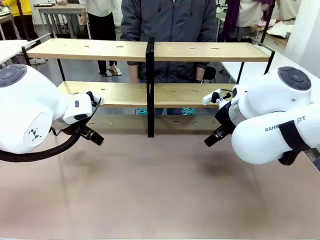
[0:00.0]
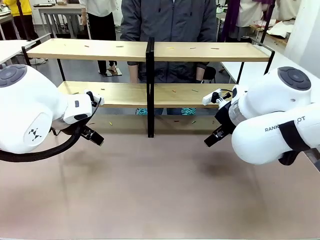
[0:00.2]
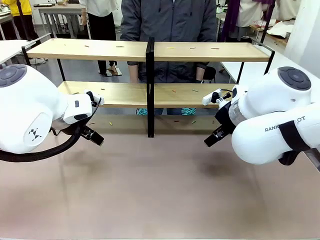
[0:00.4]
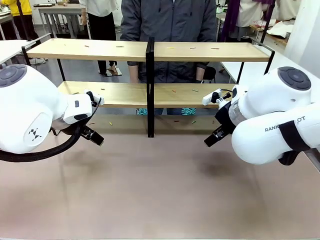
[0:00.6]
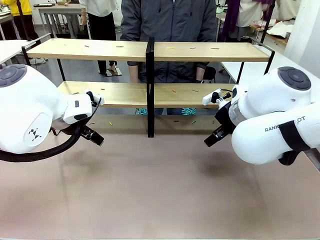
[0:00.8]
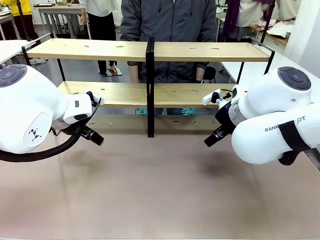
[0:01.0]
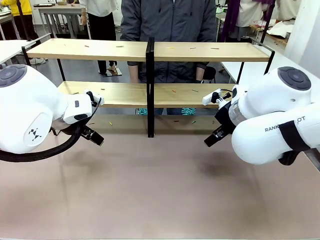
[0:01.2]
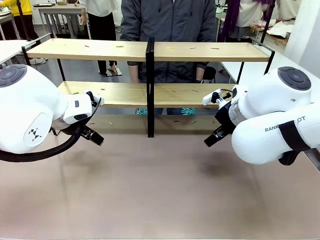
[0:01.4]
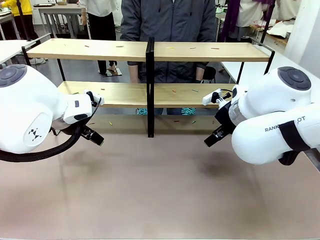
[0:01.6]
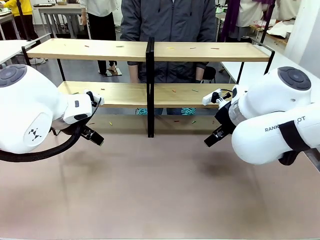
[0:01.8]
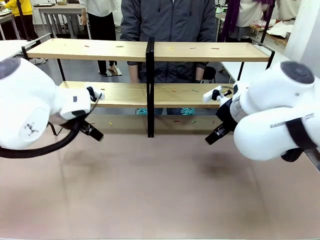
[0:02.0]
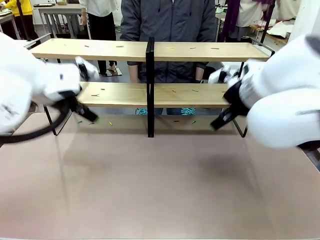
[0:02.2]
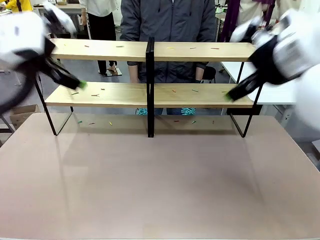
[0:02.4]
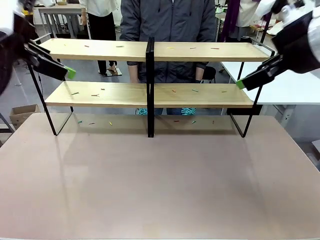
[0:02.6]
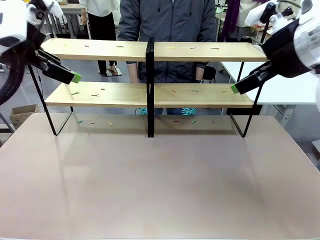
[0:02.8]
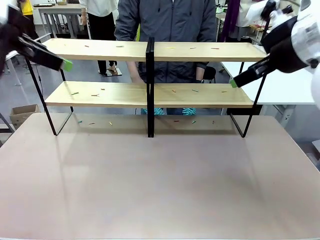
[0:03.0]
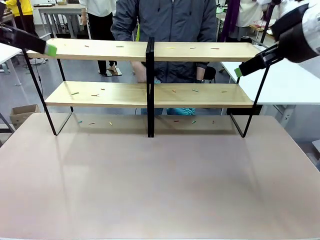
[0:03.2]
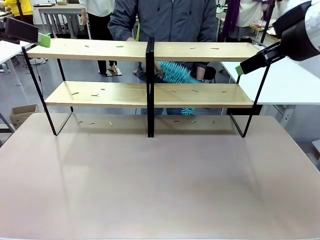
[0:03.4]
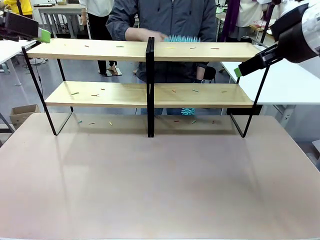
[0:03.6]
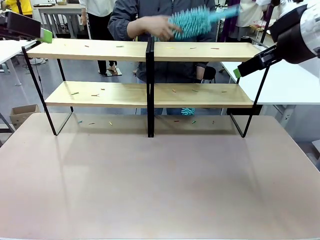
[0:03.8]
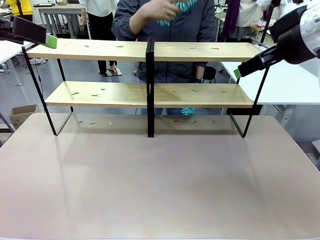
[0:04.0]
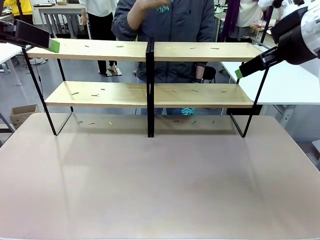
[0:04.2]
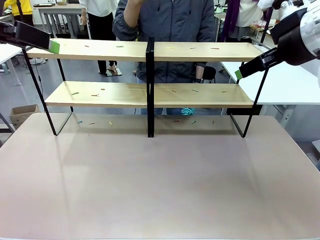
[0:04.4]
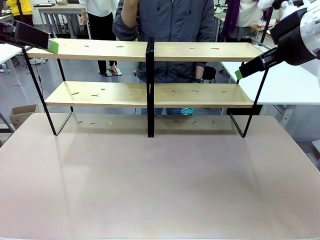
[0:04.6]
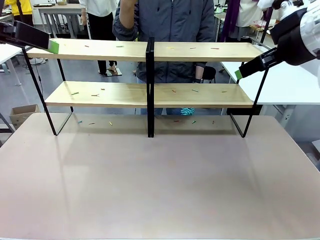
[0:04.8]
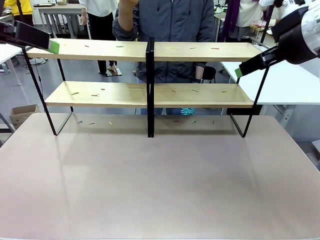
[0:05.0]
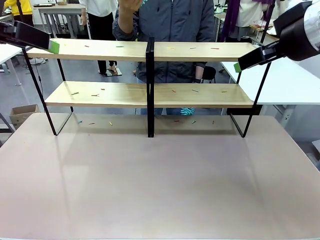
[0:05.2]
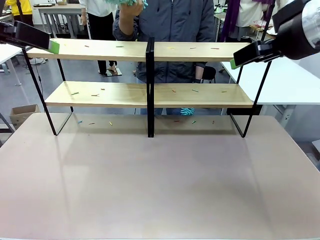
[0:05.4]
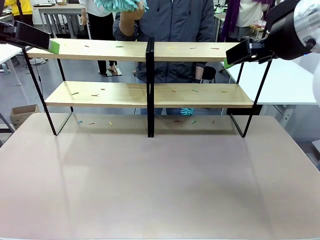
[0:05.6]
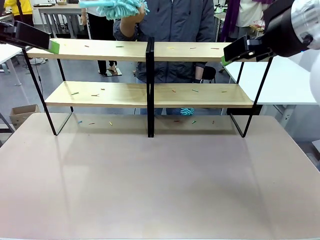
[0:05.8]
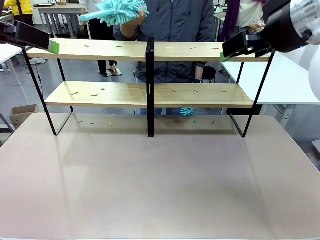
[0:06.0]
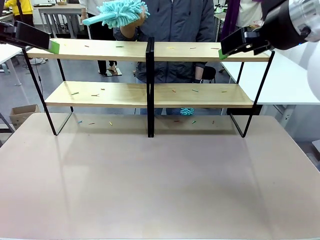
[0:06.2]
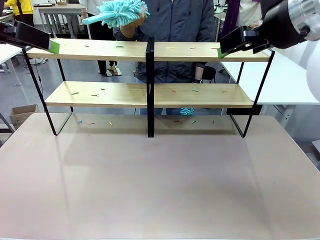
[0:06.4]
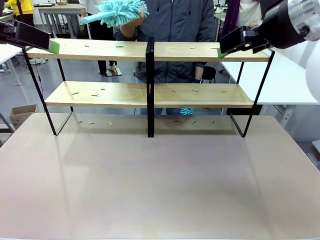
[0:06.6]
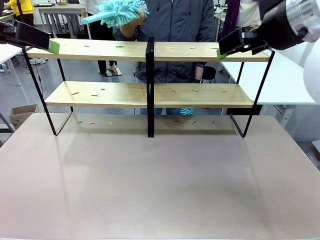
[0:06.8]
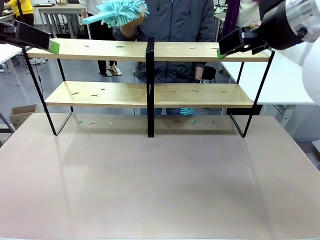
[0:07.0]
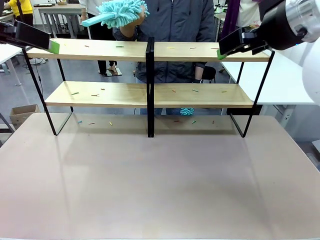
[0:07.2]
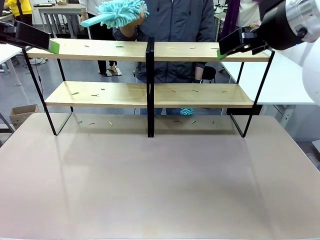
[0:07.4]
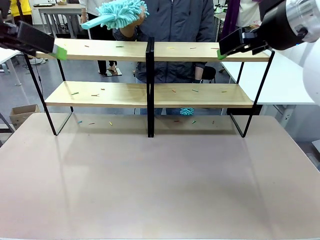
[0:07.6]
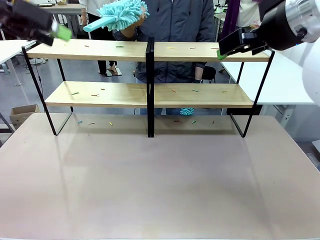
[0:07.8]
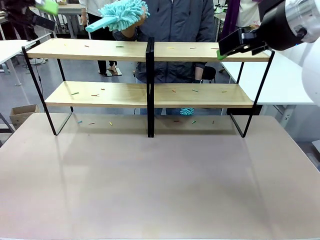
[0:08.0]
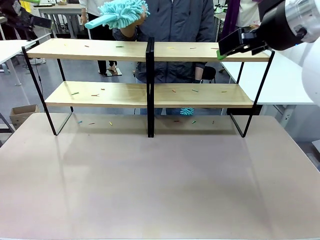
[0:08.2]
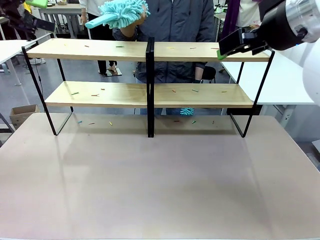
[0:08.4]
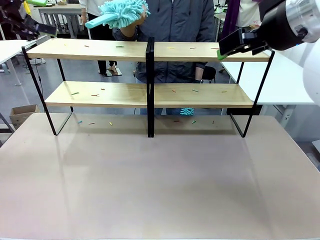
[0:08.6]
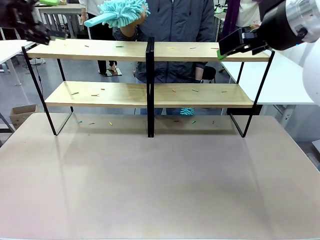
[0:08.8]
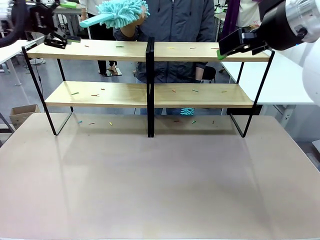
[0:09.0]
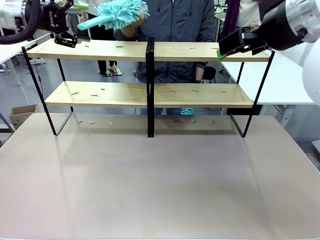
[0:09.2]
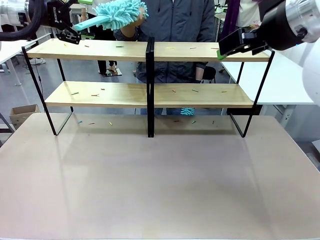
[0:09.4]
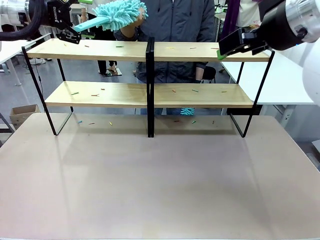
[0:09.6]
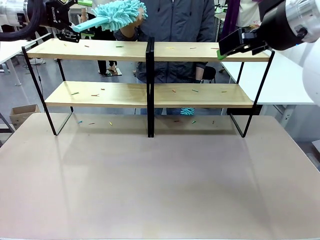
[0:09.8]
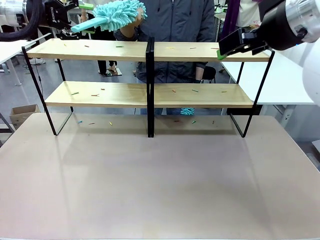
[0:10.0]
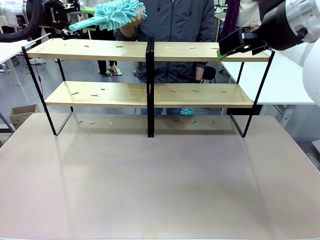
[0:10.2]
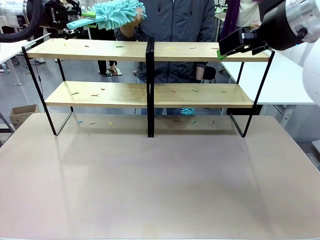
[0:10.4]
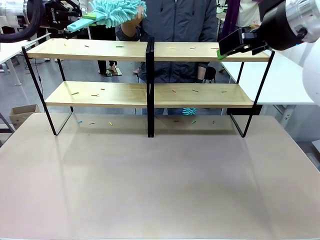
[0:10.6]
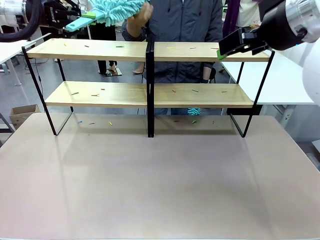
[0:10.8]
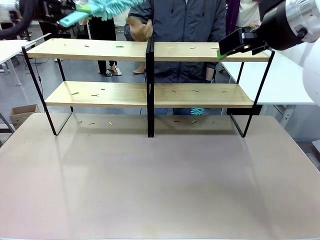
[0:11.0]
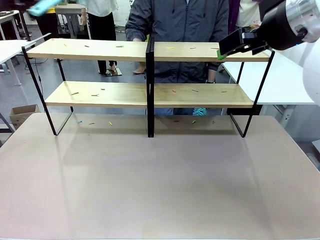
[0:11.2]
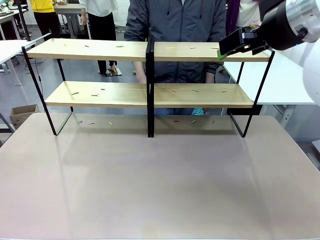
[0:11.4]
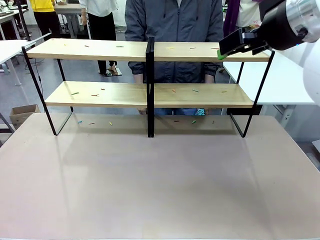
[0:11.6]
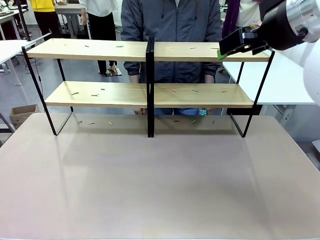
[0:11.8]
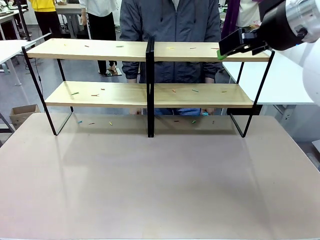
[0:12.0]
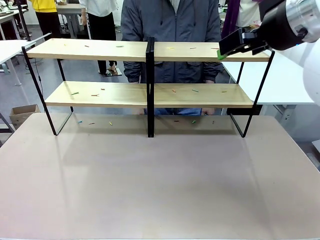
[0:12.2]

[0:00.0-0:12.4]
Task: Clean the shelves.
Robot: Pick up the Duster when the human hands it over.
Person: Hand the Duster to the robot with your right (or left) hand.

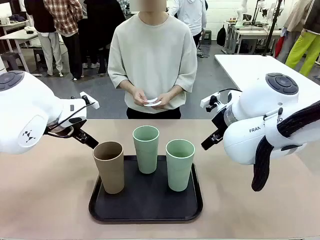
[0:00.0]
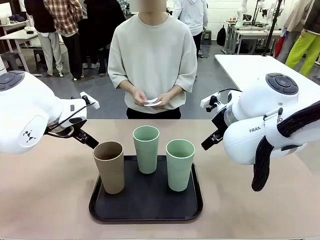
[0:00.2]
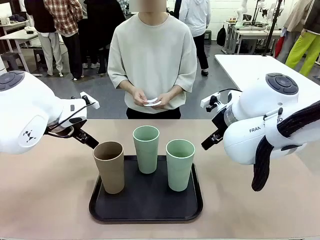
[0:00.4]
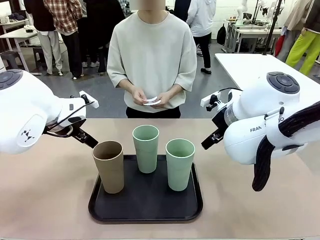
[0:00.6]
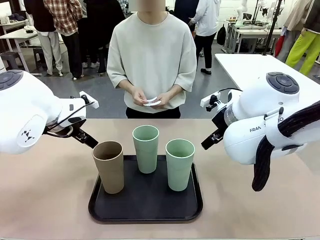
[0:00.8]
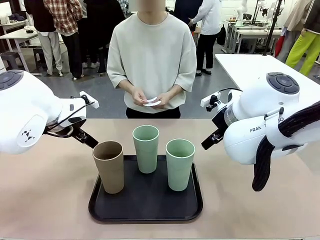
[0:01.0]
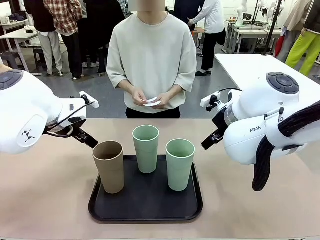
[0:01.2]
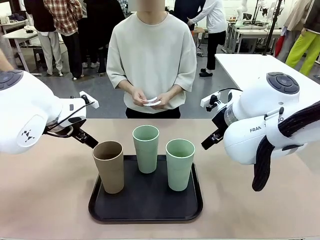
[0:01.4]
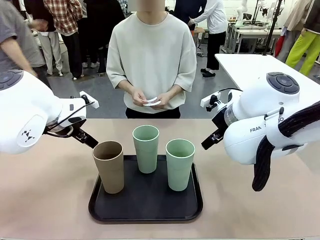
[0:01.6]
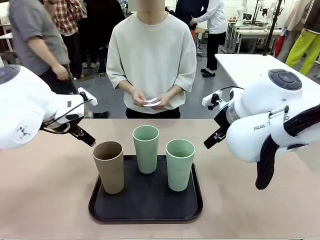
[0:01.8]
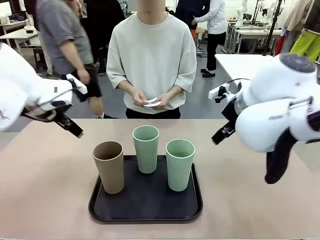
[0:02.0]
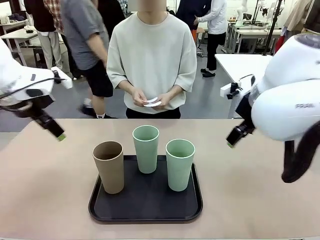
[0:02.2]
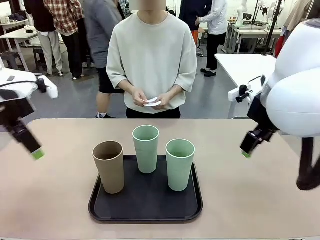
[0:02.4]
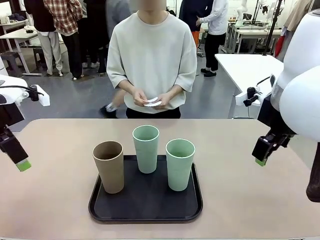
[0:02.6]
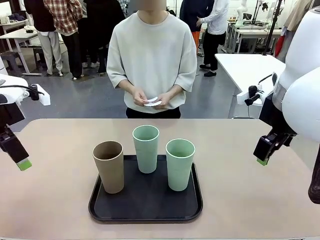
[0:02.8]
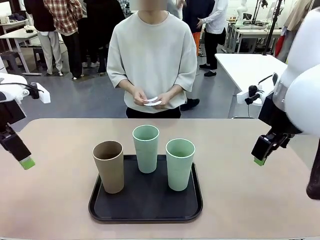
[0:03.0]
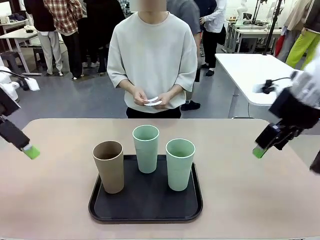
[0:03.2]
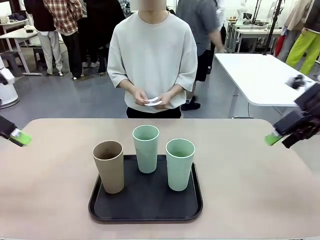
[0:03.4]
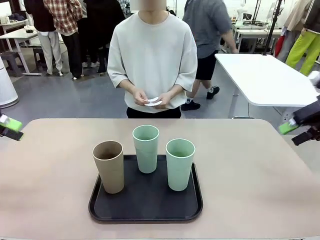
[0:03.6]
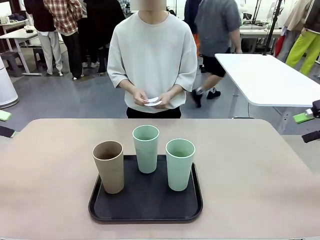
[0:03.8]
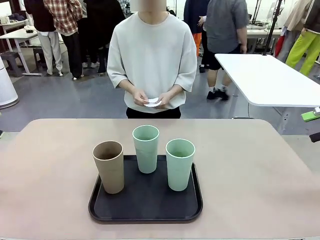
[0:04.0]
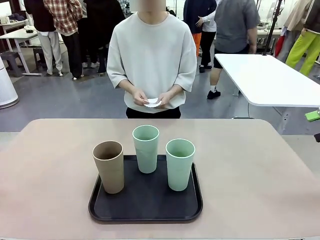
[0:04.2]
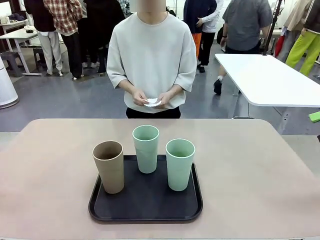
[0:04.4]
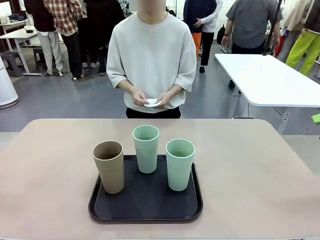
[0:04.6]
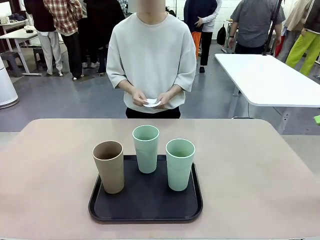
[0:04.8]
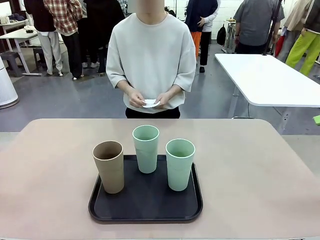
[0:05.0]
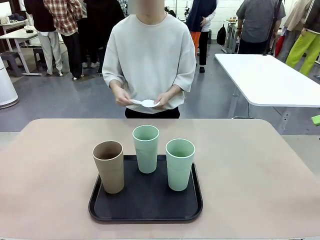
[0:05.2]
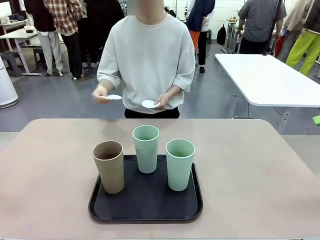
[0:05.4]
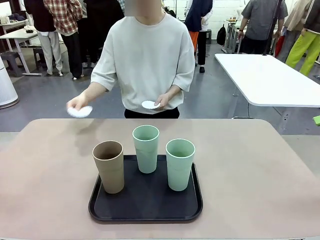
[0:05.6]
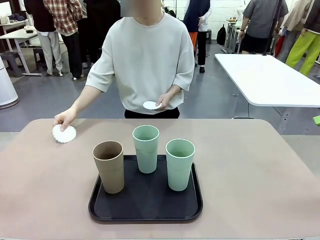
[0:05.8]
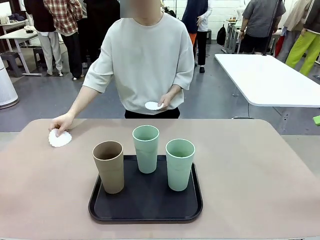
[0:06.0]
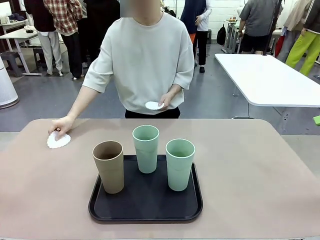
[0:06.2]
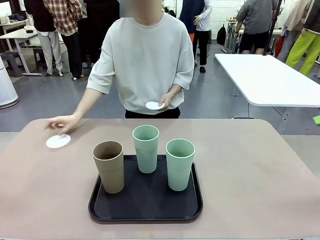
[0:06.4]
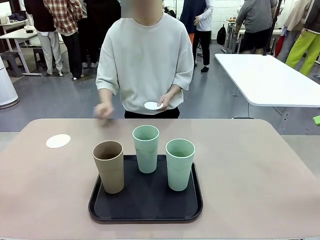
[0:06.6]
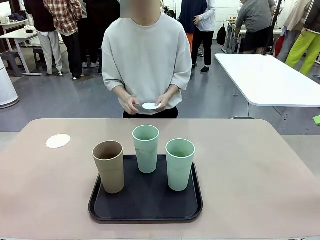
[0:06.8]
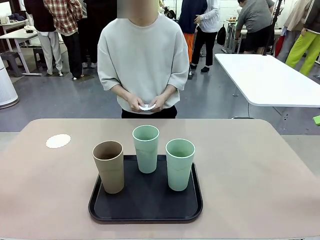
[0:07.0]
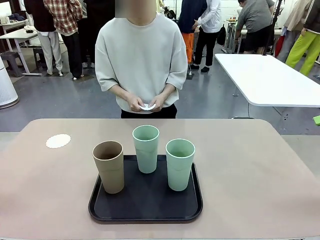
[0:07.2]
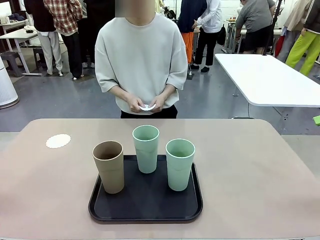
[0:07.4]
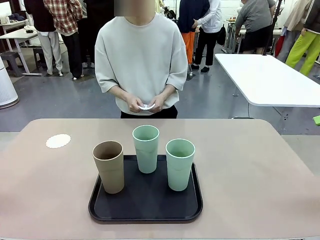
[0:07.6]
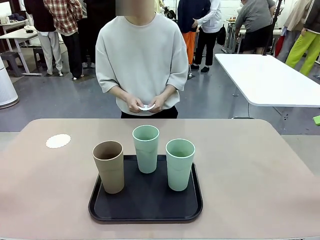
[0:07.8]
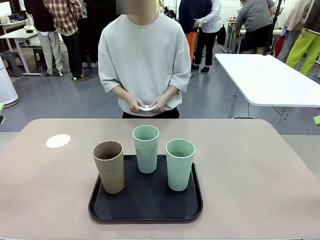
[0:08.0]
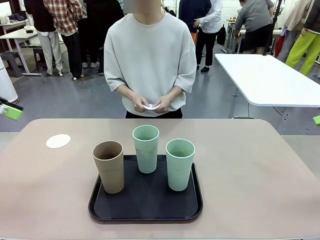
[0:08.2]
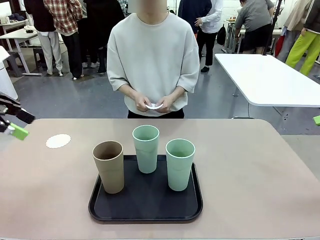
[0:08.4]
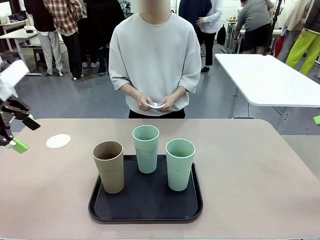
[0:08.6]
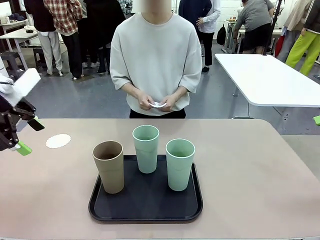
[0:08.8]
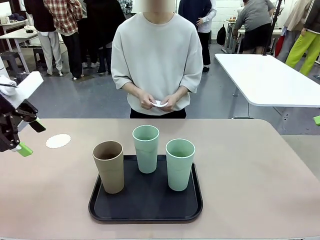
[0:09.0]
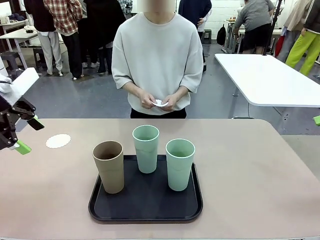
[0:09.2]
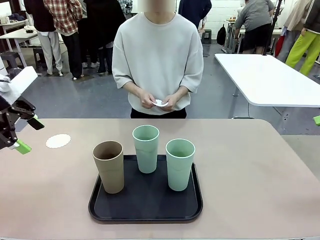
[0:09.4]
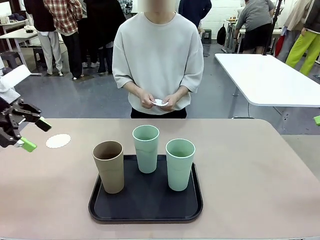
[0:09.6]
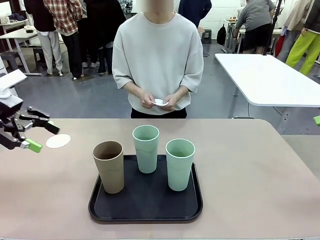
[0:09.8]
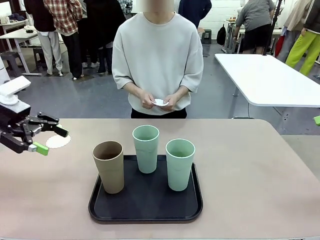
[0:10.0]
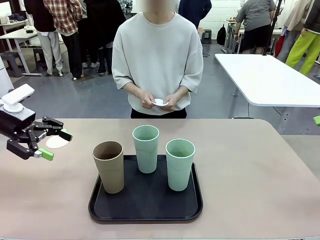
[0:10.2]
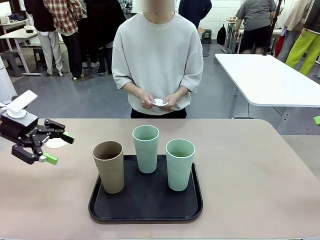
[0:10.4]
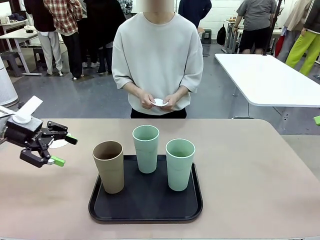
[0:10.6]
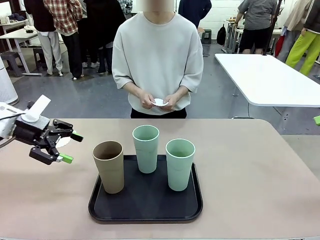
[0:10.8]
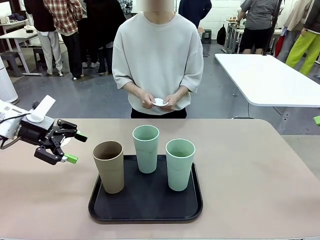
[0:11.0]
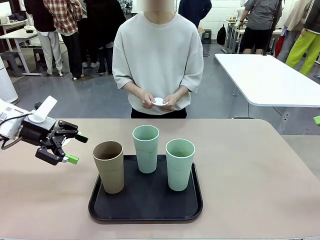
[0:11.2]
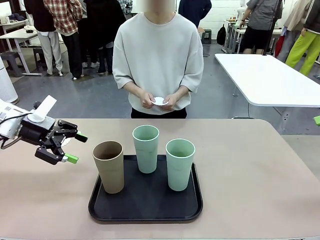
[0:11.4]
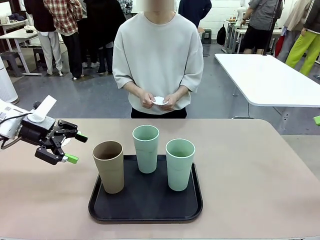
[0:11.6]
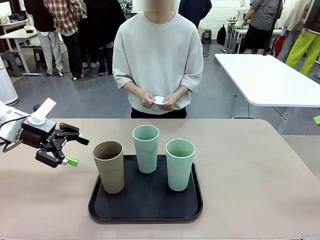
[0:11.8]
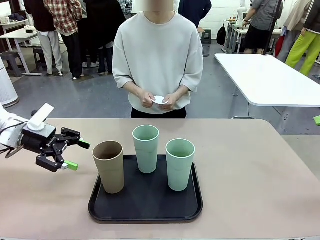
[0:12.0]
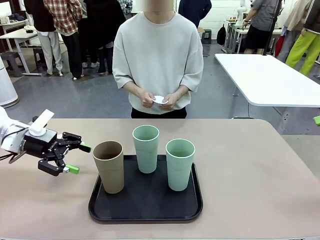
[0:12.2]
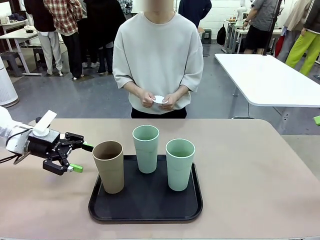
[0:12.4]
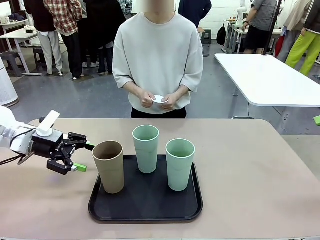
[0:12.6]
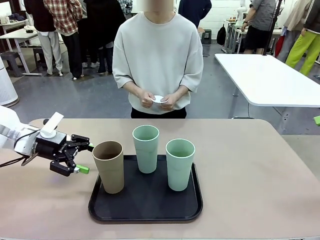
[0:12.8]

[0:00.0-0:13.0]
Task: Place coasters on the table and set cups on them.
Robot: Pick up one Reusable plastic cup and place it on a coaster set by the human.
Person: Place one coaster in any one of the three lower areas of the robot table (left, center, or right).
